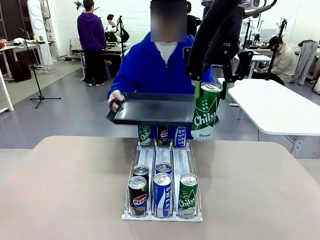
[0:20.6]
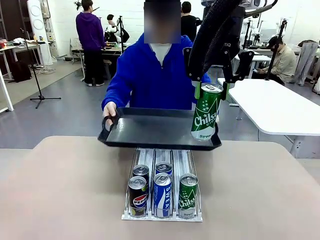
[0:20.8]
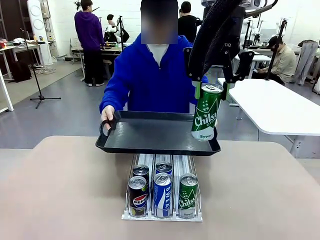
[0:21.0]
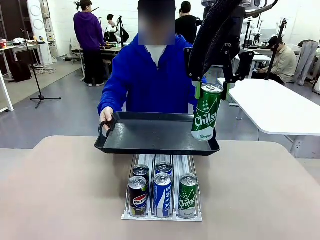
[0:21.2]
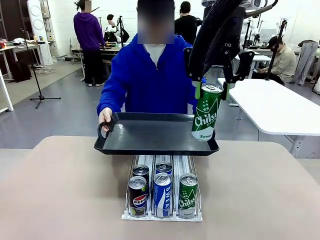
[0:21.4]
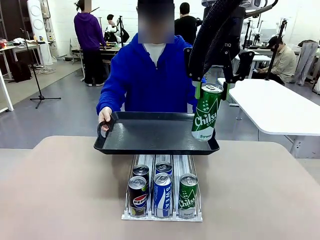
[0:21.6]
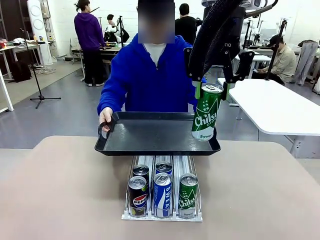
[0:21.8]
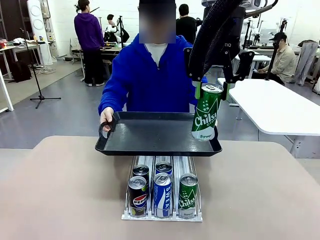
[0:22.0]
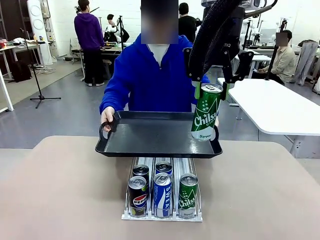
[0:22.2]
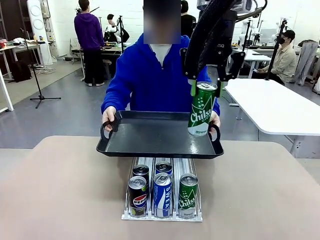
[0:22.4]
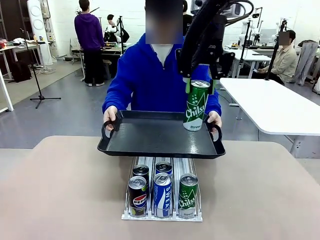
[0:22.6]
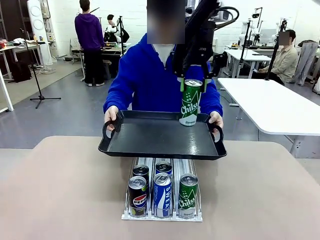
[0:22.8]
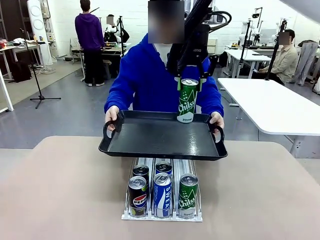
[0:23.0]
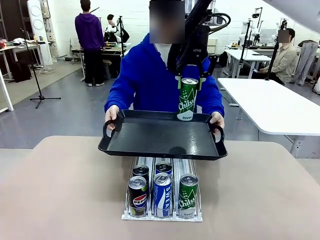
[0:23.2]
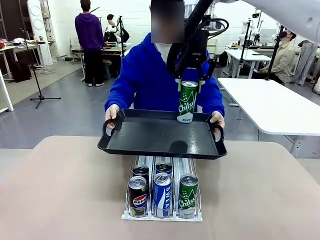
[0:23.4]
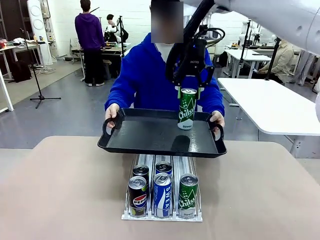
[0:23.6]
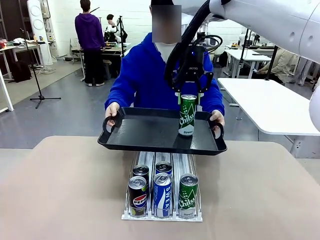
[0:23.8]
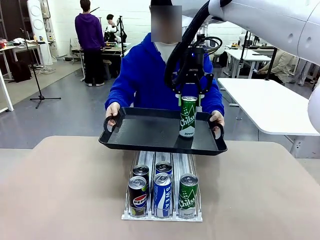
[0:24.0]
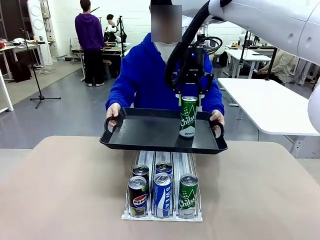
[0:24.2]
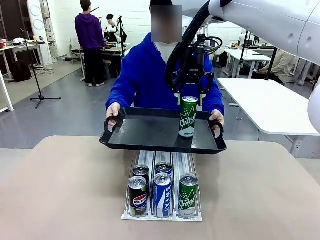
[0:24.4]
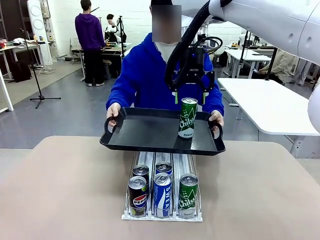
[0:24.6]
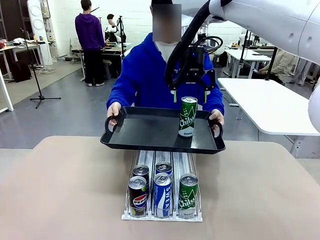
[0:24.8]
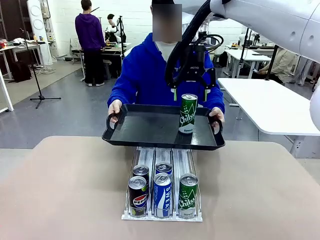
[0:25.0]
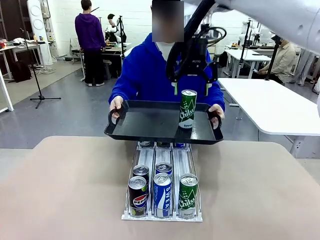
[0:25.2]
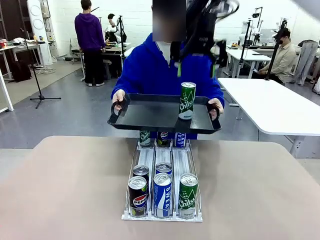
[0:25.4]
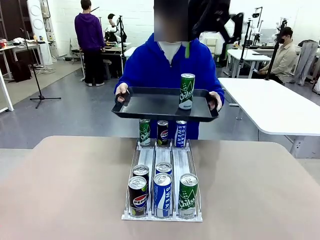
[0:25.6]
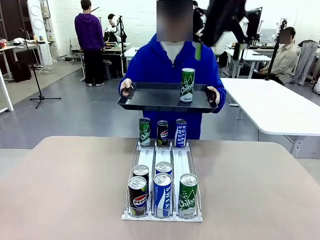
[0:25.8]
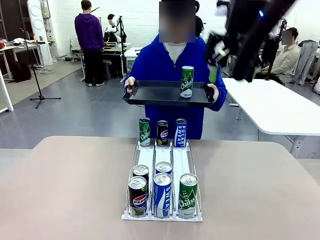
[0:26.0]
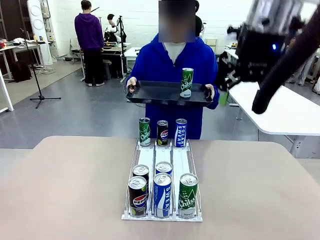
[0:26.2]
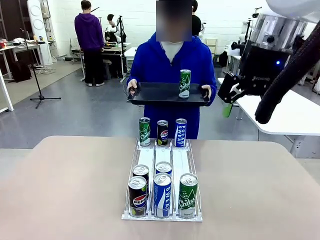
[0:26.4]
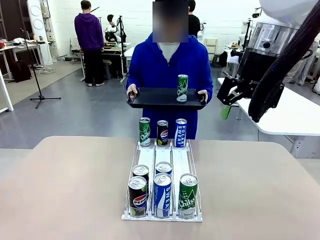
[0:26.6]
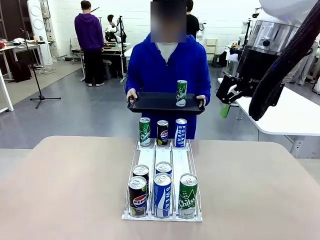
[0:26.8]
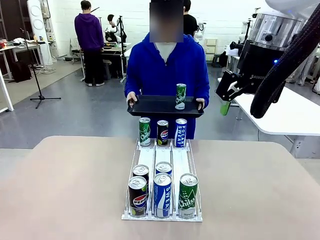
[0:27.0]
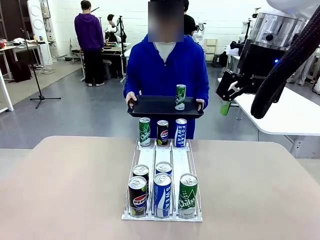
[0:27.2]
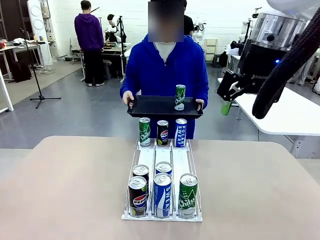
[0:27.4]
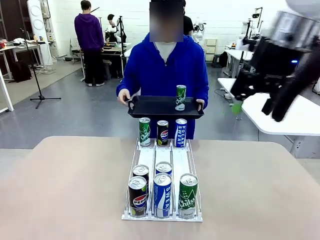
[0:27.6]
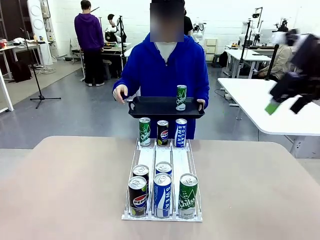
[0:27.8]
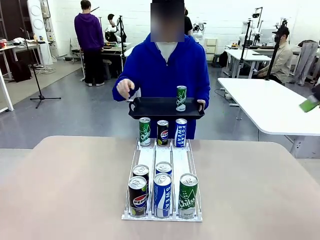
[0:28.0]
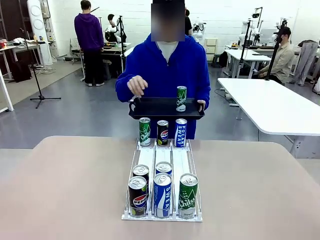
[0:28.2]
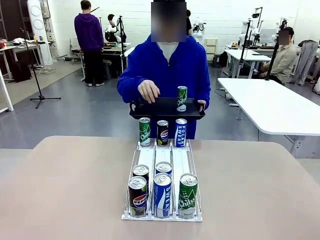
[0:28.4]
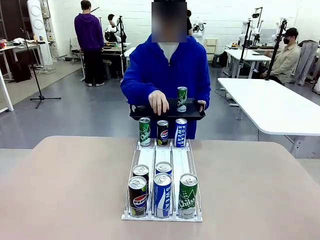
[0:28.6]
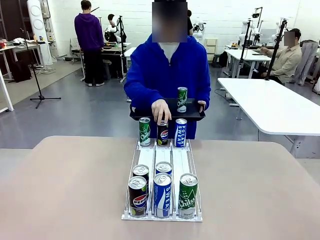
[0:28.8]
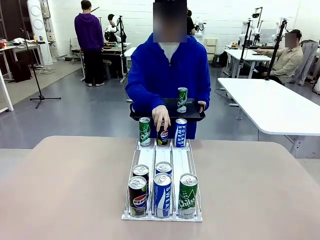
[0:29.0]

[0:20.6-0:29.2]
Task: Retrieve and hand over the desired beverage to the person.
Robot: Place the picked can on the Handle tray extended by the person.
Person: Pull the tray back, then pick up another can from the bottom area of the table and puts it back in its original place.

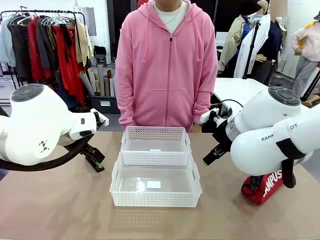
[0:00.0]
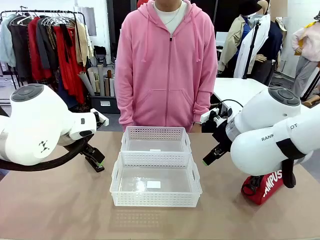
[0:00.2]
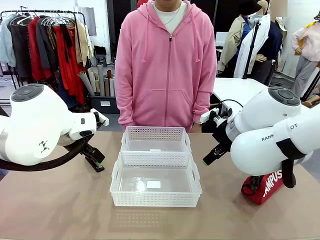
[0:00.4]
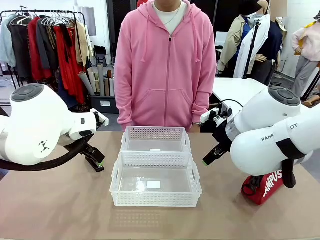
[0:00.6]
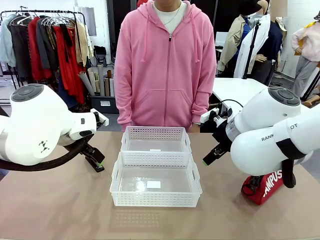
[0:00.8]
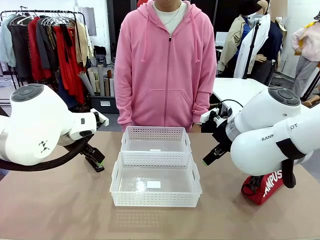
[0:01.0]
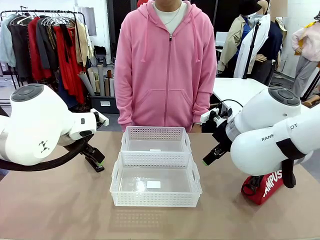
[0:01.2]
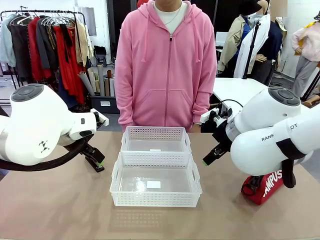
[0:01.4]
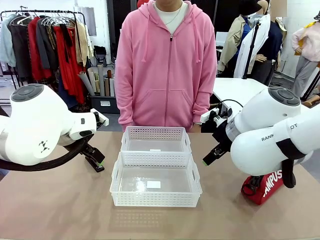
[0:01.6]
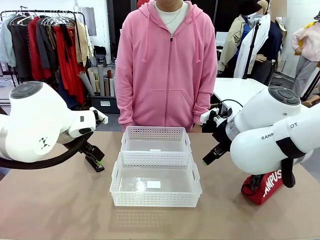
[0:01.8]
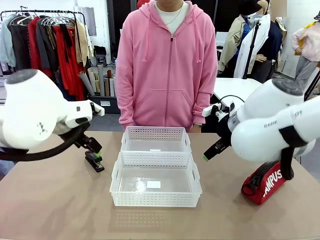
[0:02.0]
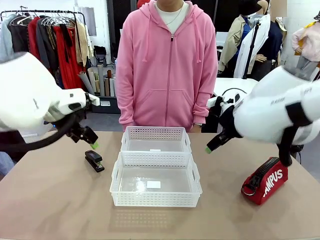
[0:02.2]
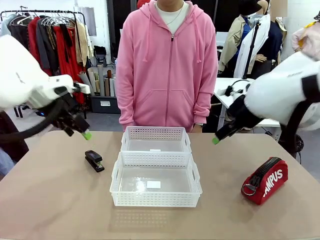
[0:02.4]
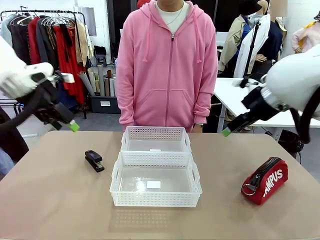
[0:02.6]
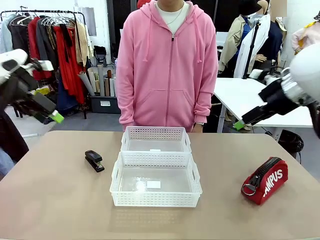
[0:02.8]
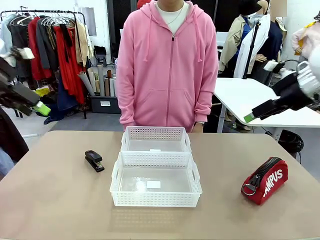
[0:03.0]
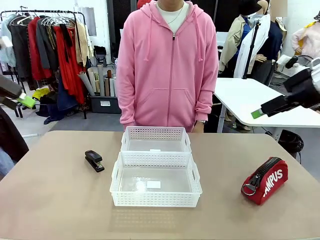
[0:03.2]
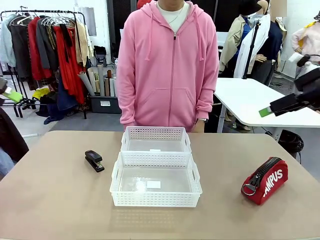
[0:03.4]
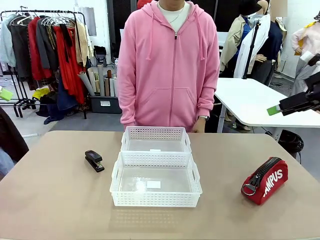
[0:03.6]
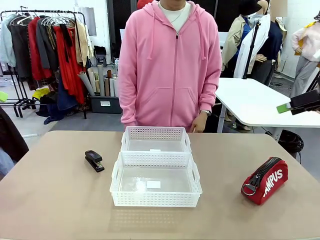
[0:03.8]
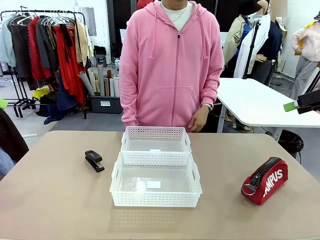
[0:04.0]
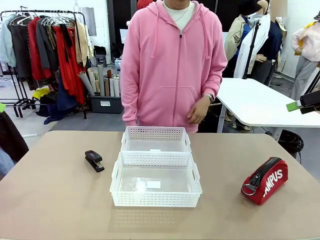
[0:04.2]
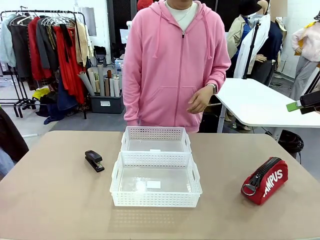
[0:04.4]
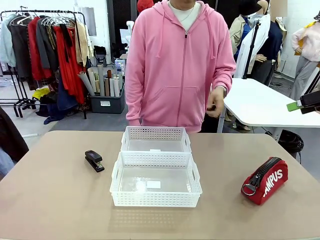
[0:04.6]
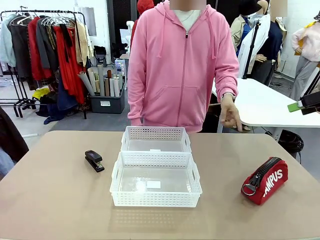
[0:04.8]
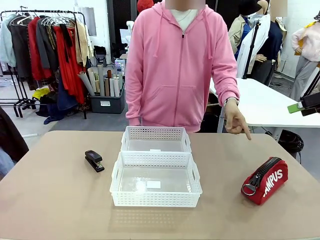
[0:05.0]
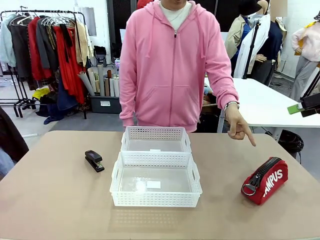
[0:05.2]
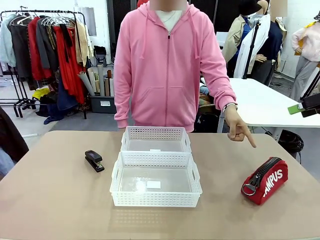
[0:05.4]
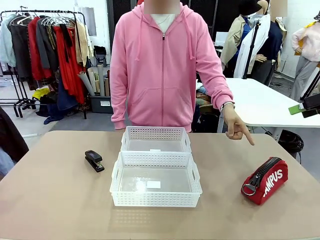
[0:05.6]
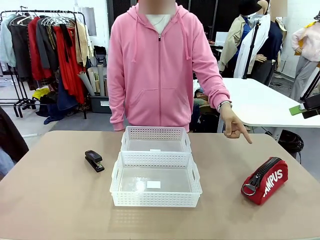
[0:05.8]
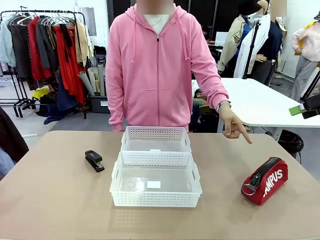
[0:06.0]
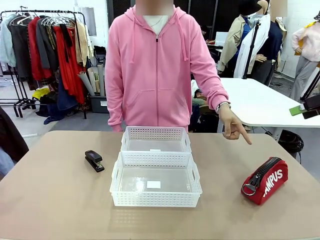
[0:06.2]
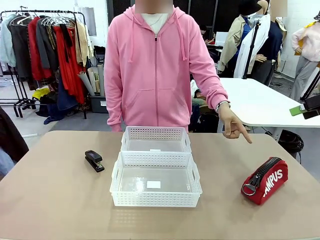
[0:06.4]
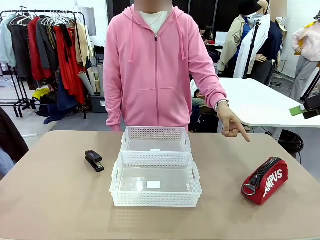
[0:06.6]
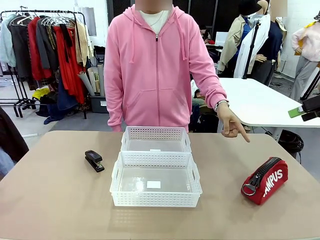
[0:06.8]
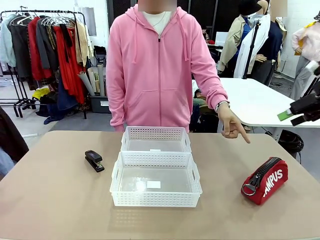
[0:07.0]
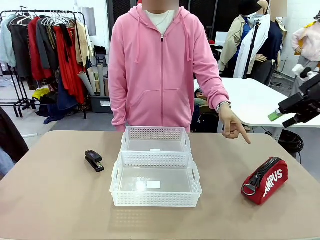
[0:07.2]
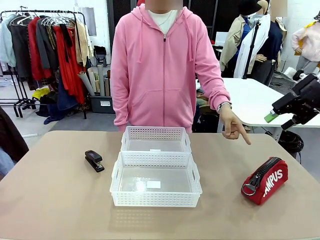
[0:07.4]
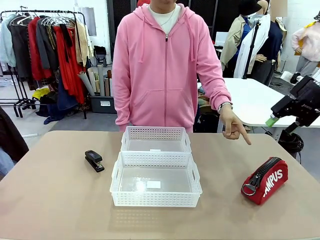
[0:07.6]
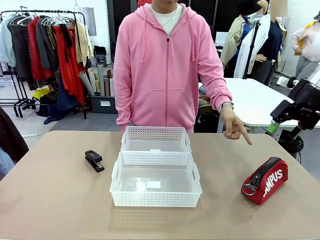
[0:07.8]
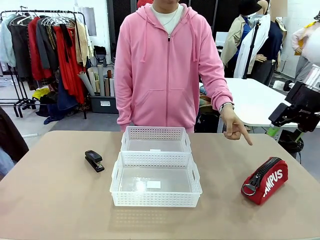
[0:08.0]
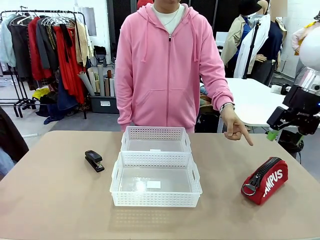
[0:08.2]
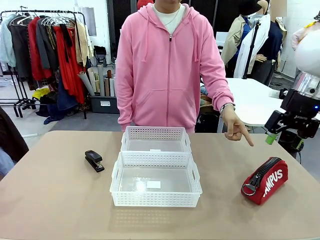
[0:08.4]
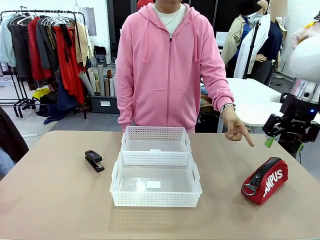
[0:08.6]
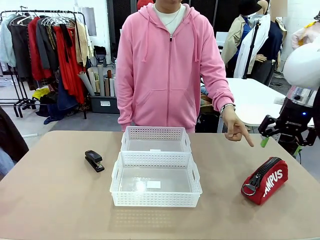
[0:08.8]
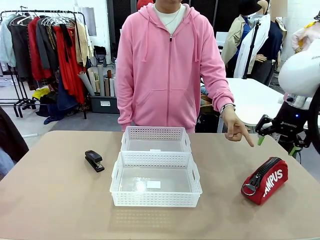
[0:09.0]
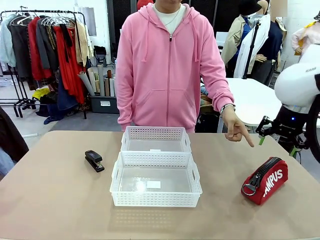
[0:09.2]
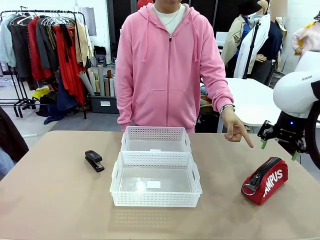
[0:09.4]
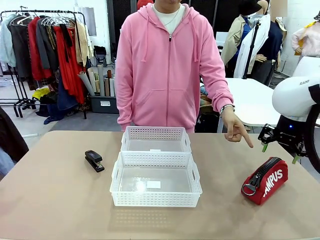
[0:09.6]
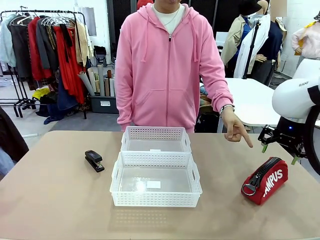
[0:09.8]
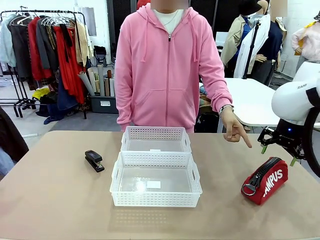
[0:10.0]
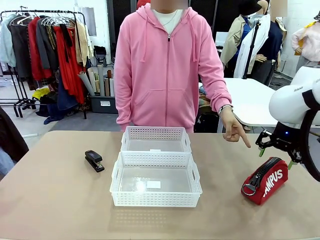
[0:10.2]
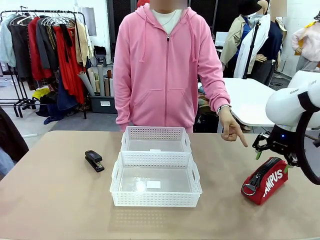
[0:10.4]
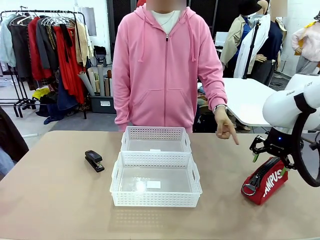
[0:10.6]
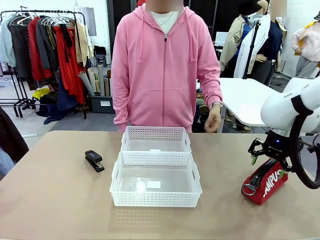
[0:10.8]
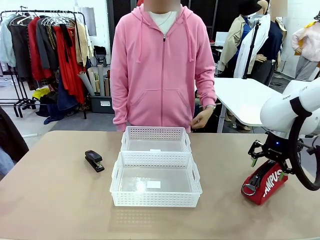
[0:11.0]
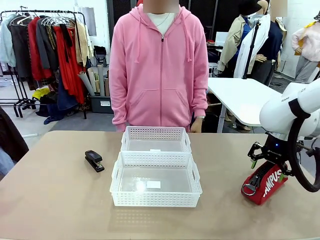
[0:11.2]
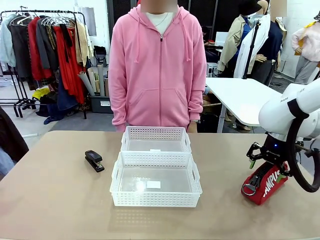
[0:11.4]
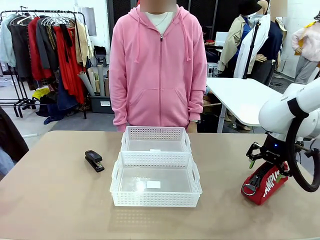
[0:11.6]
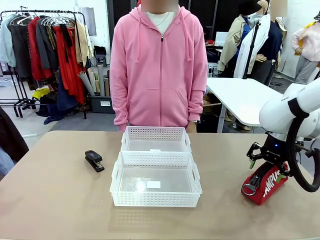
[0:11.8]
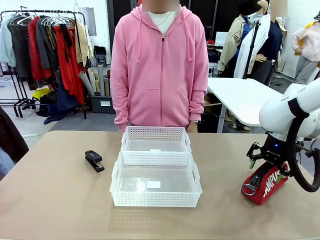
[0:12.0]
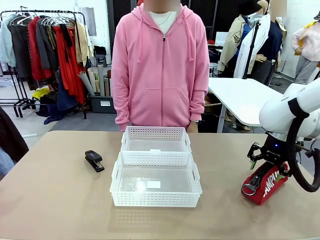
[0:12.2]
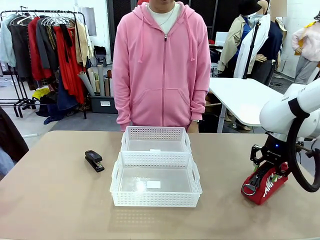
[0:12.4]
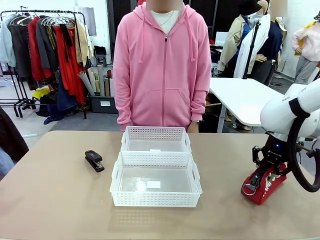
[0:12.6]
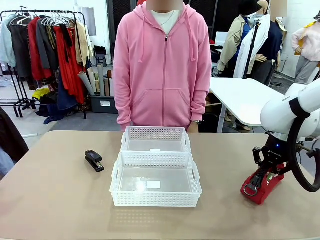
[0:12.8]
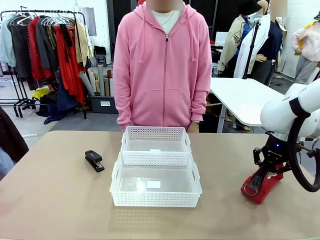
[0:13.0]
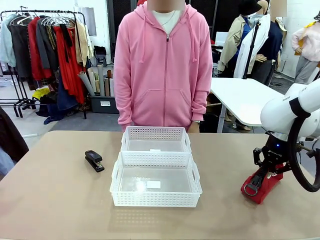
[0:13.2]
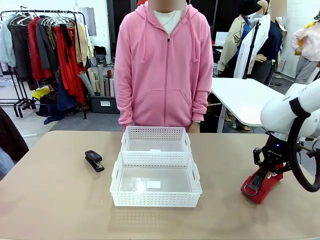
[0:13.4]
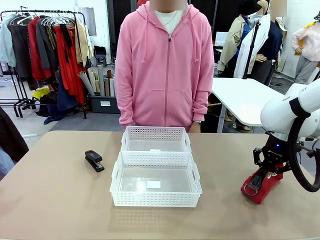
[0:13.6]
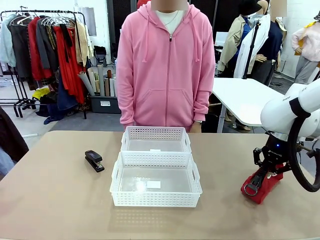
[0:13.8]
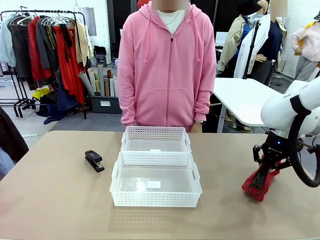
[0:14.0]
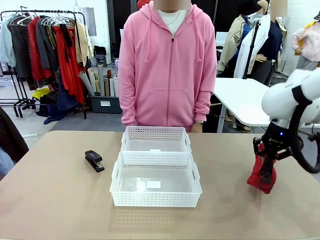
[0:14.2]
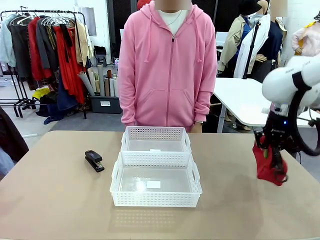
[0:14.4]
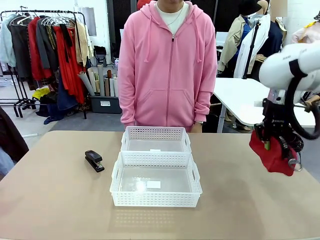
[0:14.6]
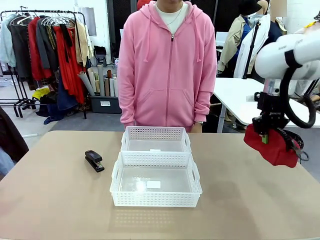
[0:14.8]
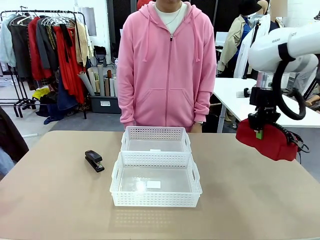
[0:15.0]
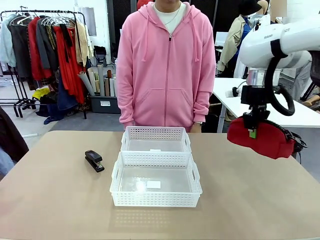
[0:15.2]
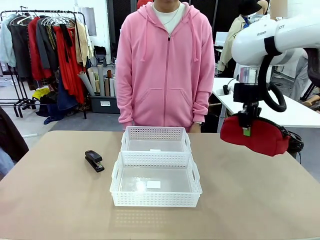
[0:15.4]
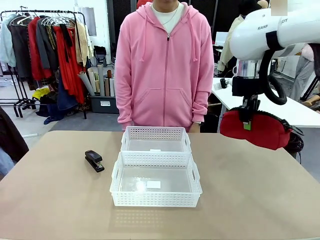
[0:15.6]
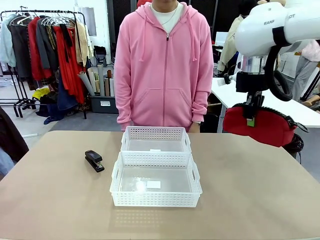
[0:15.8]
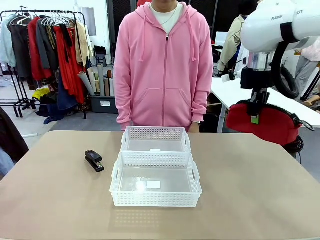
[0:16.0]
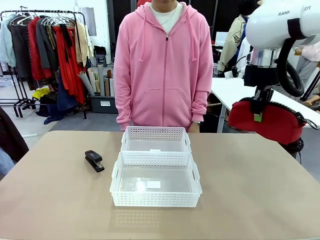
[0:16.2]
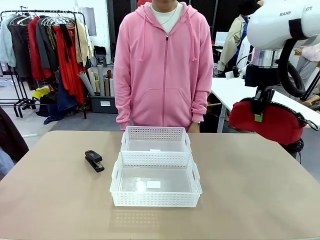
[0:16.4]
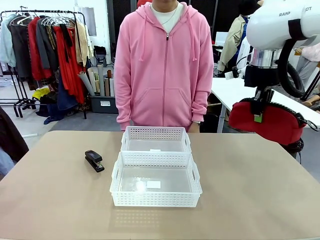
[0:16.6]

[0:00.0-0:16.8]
Task: Distribute items into two baskets.
Robot: Pick up the Pencil pouch that the person points to.
Person: Points to the pencil case. Points between the two organizing baskets and instructs the robot to move the pencil case.
